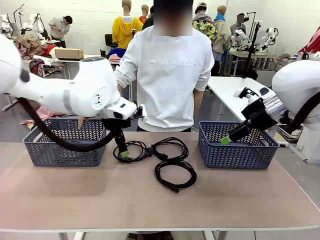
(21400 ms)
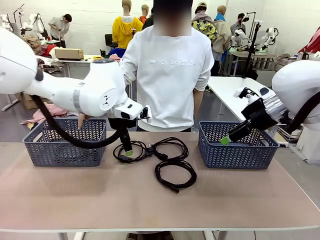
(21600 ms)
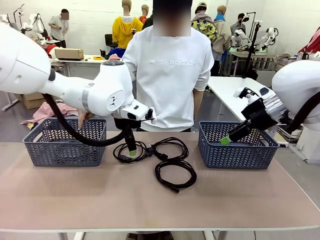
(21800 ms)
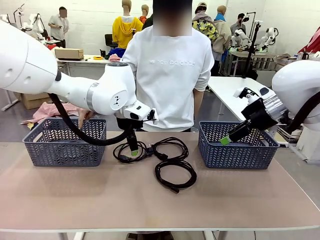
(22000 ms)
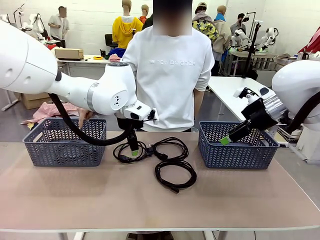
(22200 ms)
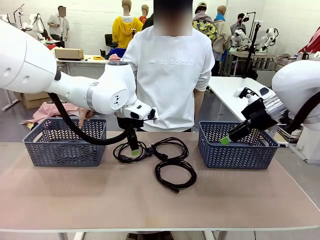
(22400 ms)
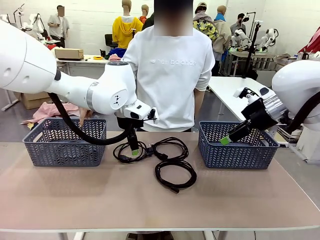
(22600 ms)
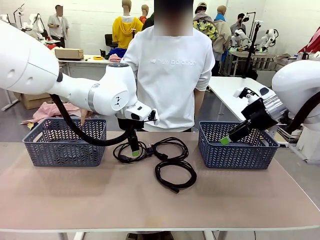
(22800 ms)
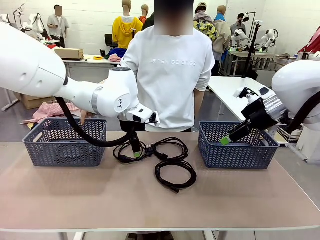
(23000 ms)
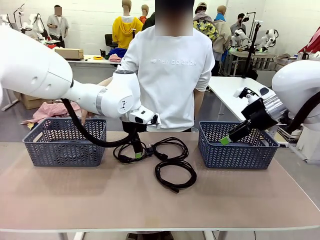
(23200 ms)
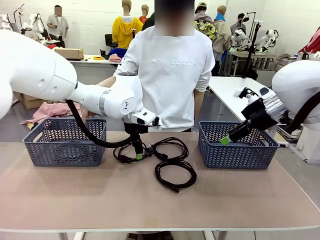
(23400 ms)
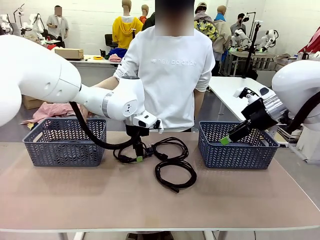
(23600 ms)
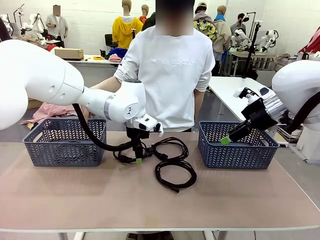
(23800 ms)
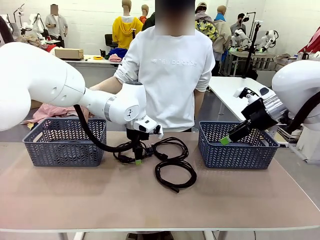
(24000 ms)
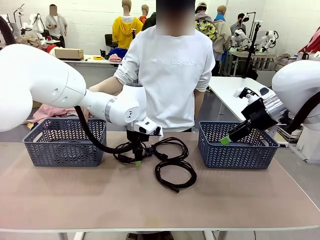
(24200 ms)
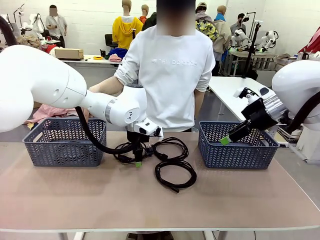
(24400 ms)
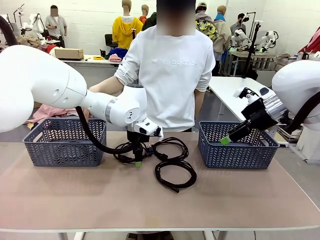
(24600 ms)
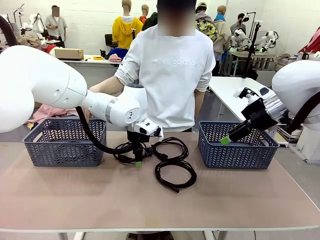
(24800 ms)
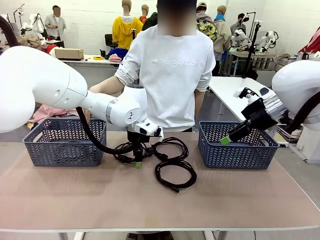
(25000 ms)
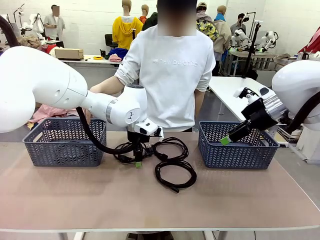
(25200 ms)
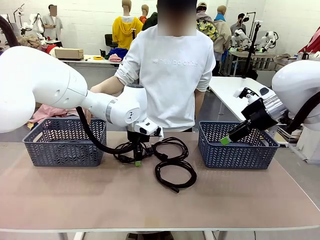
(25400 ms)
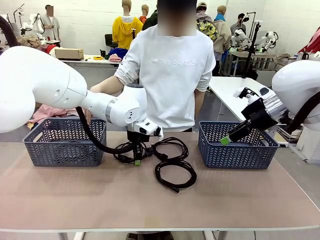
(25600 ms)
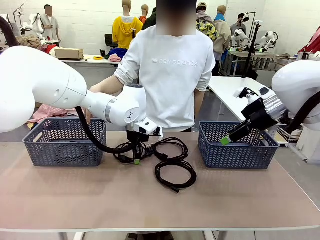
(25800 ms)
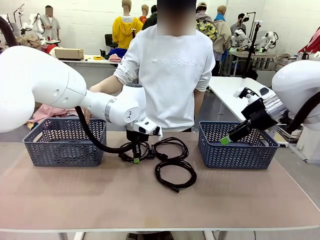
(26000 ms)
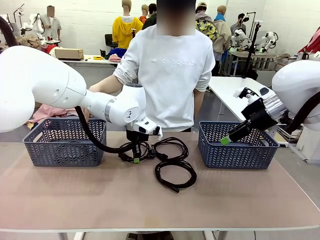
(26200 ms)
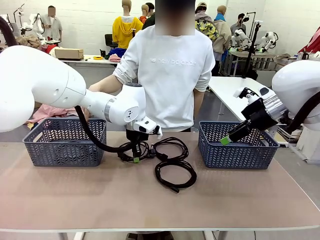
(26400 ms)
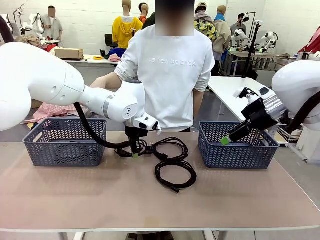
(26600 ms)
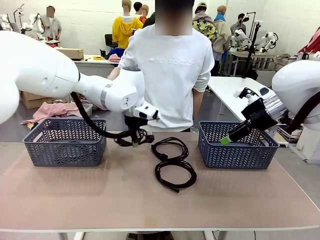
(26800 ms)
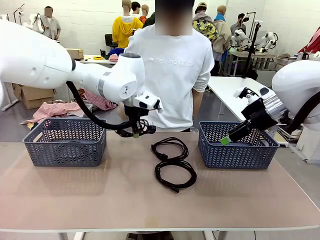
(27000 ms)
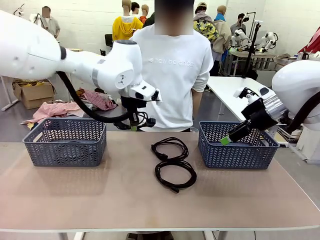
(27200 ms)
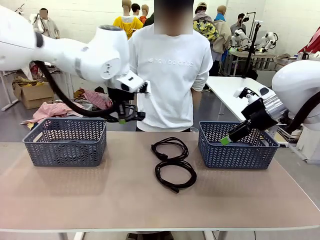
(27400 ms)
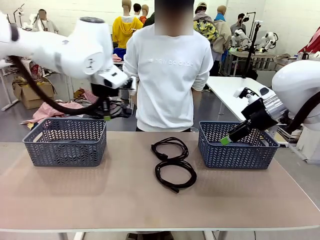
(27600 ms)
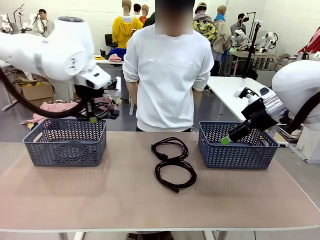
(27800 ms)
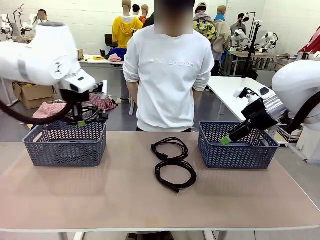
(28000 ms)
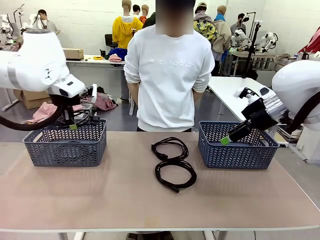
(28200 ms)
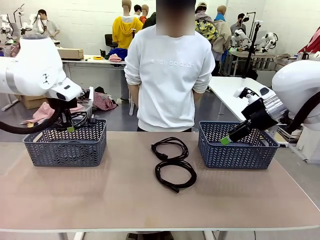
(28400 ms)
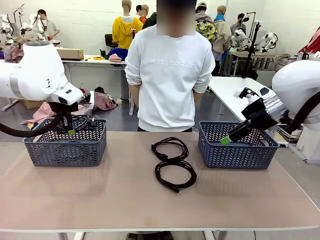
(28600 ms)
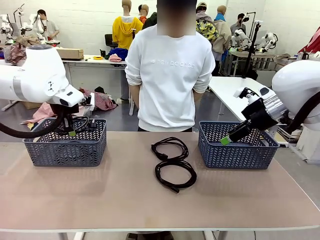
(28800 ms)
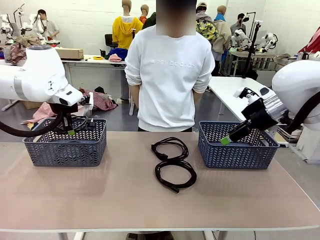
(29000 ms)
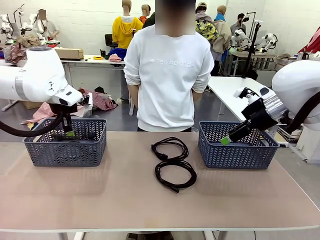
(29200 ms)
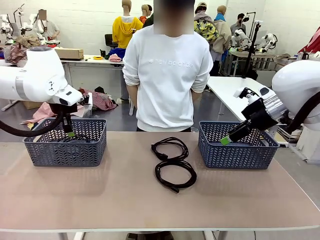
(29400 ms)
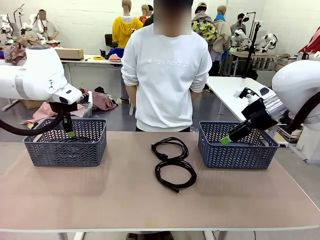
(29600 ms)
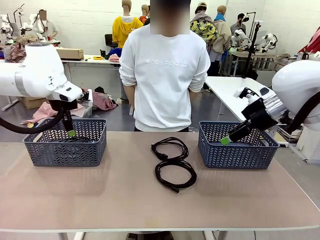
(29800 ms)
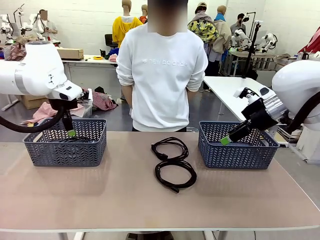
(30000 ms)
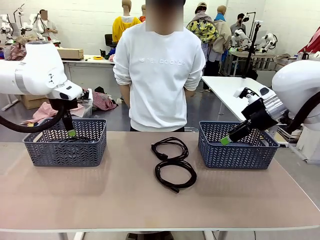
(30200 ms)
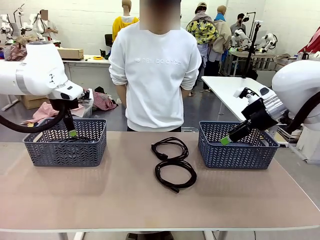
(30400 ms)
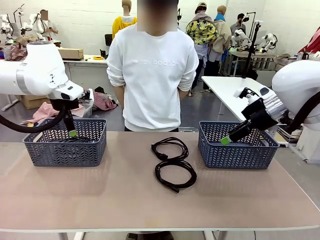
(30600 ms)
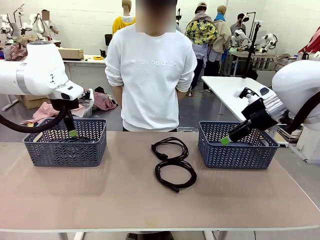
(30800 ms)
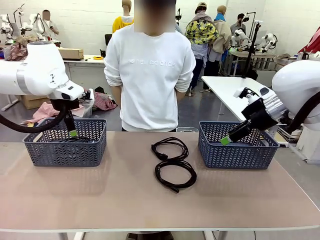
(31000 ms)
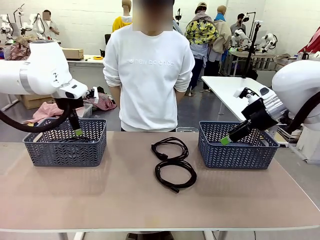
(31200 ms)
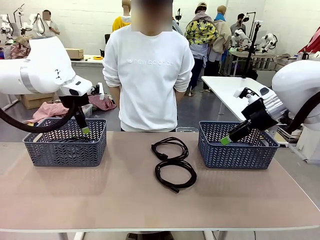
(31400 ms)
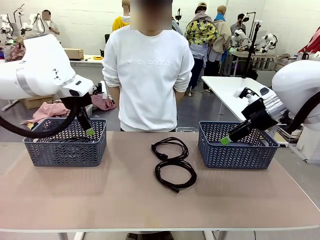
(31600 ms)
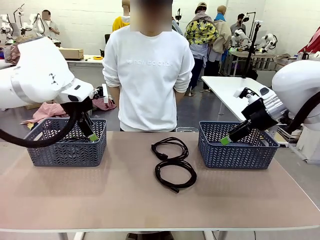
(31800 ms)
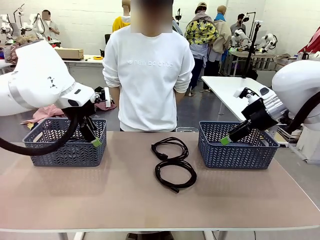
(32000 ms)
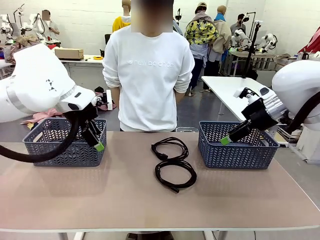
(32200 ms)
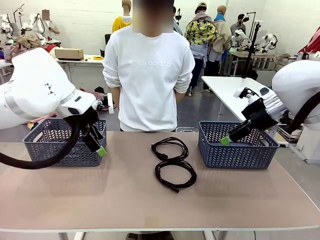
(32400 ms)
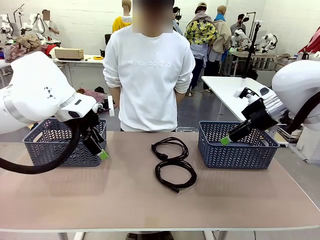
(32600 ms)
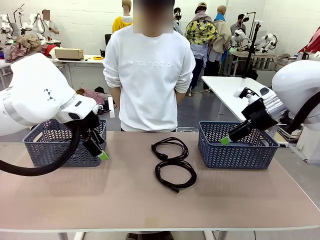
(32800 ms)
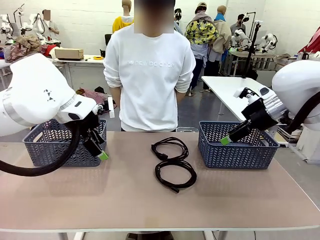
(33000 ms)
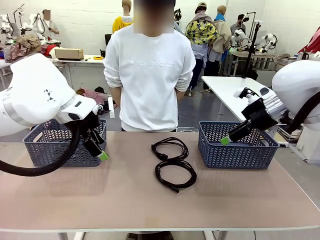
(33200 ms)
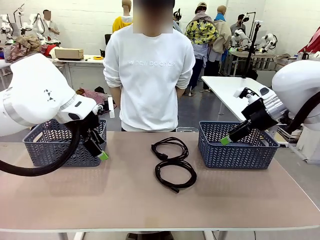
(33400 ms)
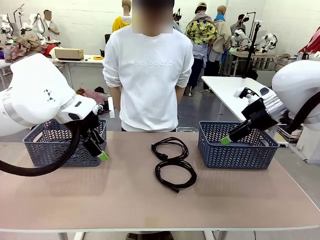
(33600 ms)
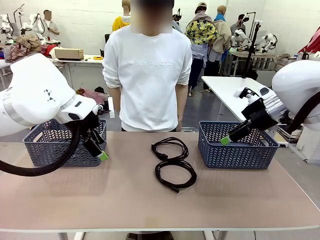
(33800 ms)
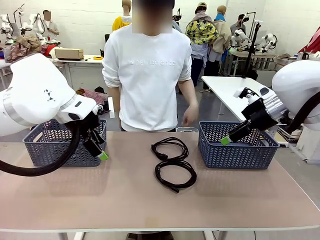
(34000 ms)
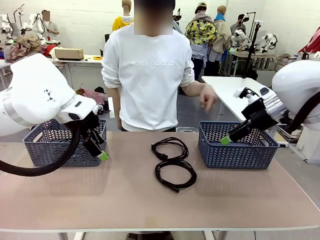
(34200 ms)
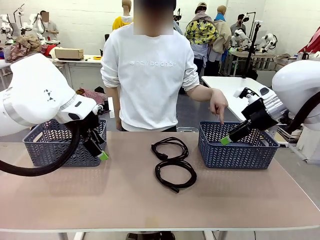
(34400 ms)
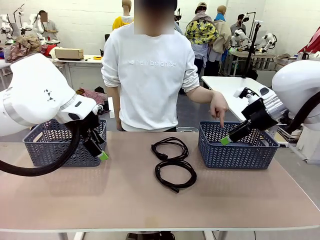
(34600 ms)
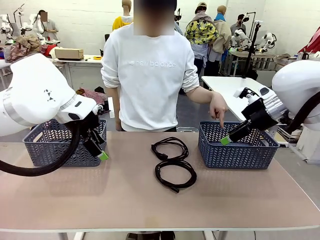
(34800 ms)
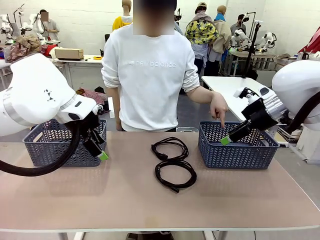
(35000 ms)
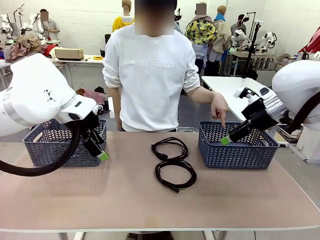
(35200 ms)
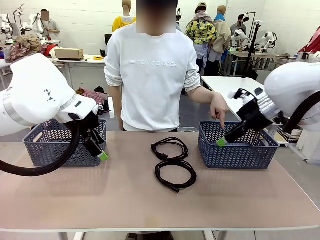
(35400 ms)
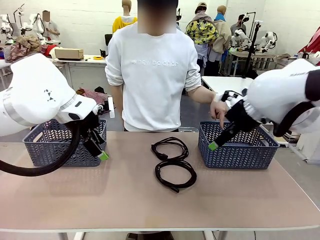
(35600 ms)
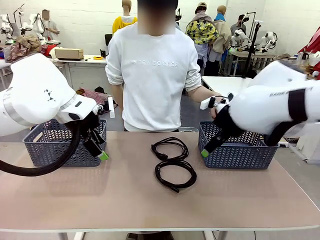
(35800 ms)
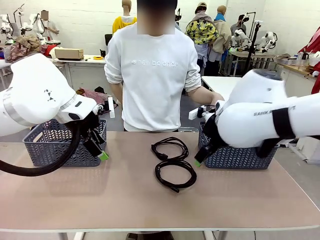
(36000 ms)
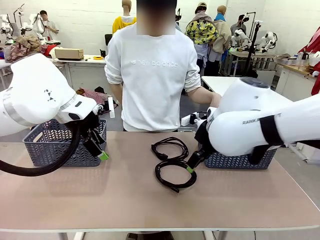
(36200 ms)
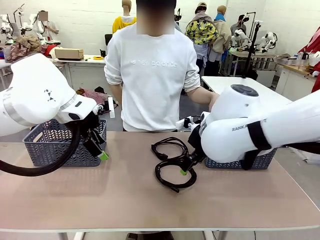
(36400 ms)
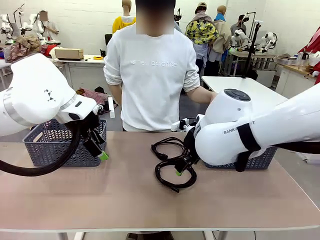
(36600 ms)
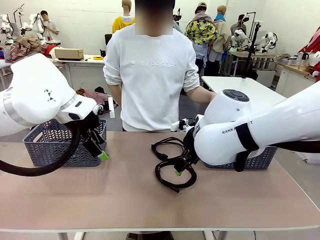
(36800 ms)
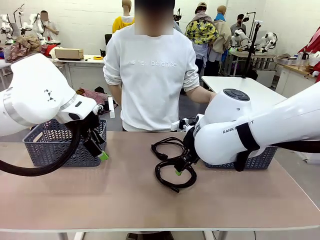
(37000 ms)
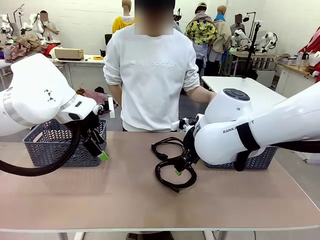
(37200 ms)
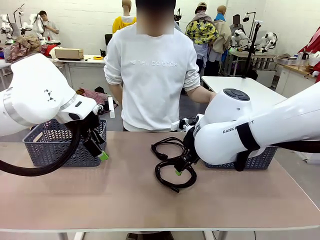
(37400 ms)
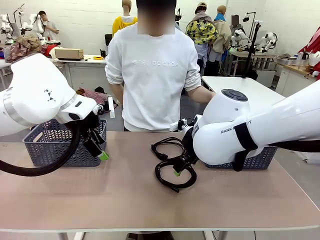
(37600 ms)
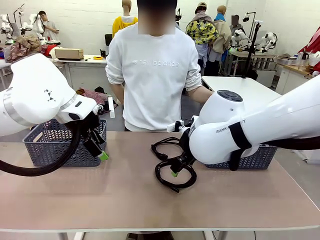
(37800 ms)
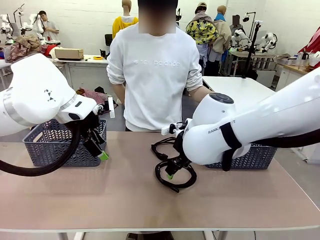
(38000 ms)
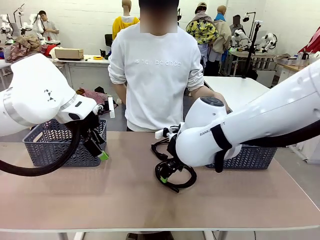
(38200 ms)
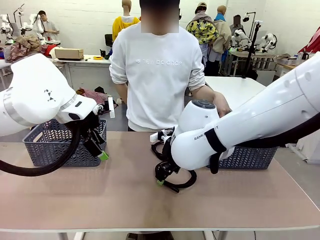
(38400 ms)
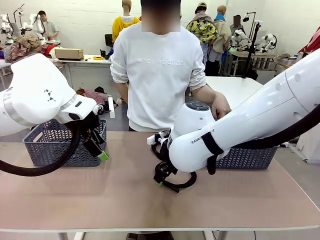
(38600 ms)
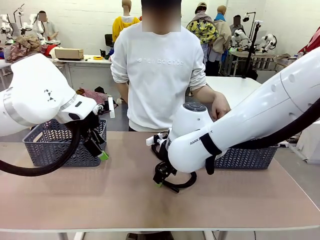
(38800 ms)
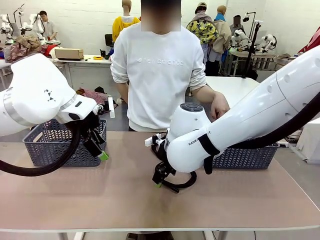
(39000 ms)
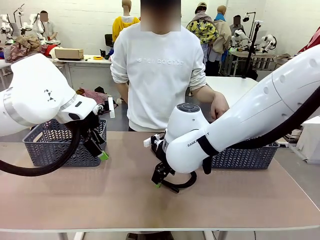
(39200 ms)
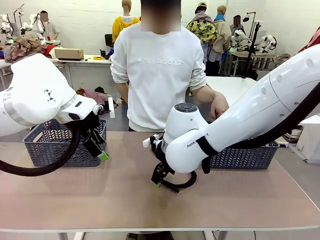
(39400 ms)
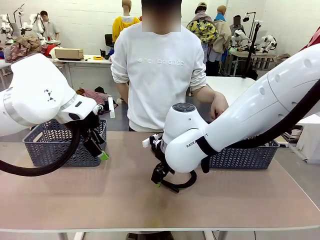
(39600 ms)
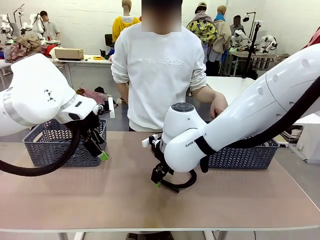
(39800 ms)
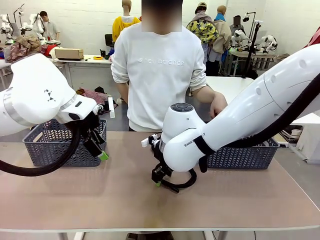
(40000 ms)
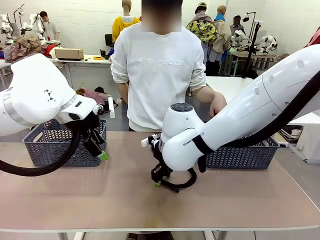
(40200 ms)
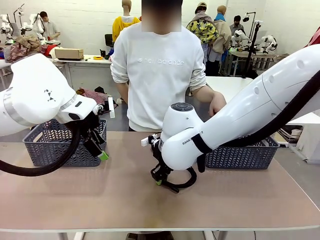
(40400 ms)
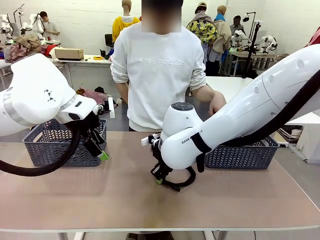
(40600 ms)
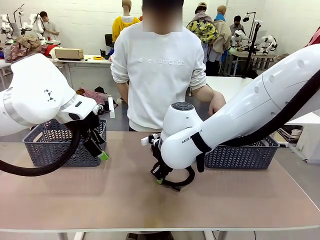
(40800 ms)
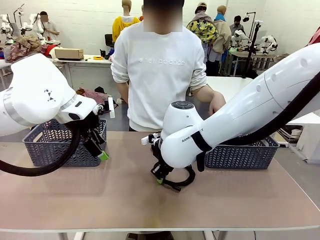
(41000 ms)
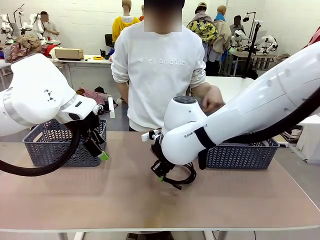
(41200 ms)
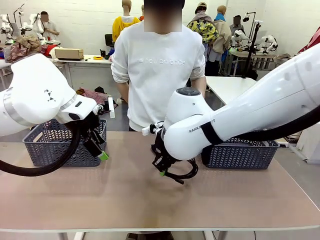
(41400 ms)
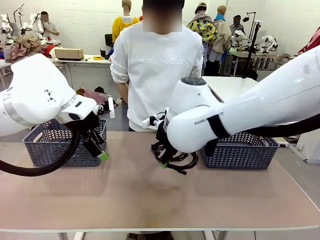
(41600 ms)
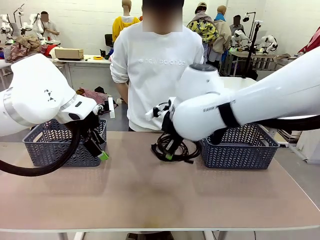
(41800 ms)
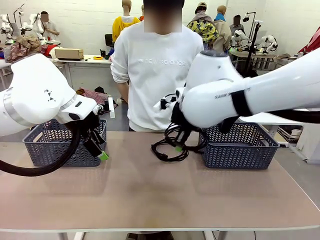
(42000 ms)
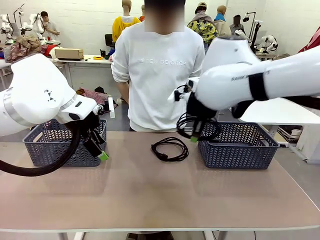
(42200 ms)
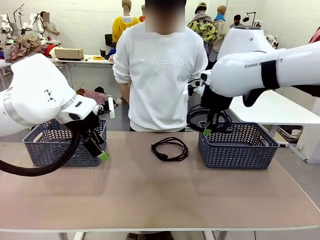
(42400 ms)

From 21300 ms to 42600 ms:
Task: Organize the cables according to human instructions.
Robot: Pick up a bundle of cables and place it in the basket indicated by the human.
